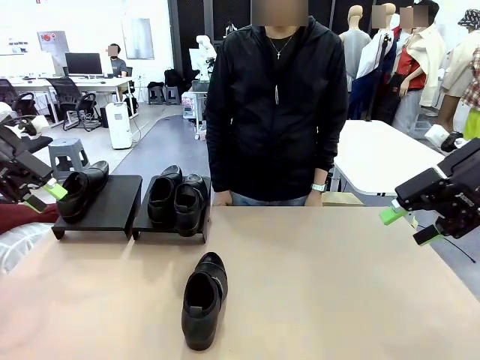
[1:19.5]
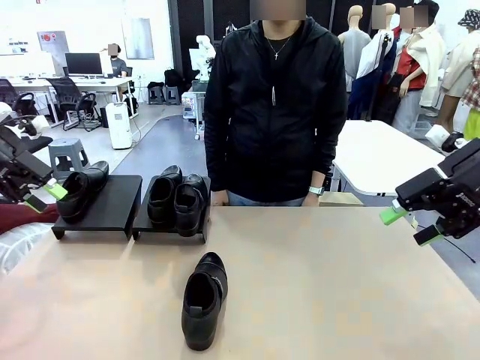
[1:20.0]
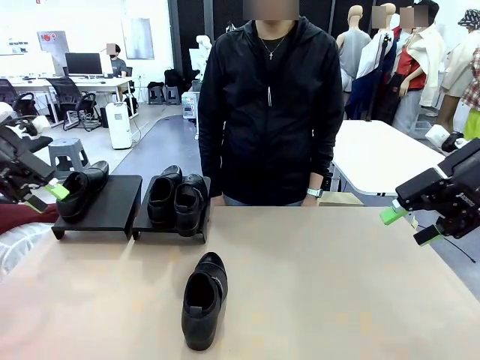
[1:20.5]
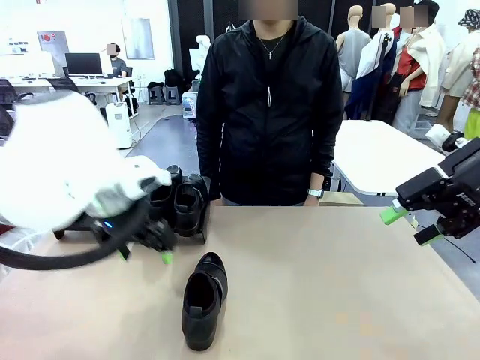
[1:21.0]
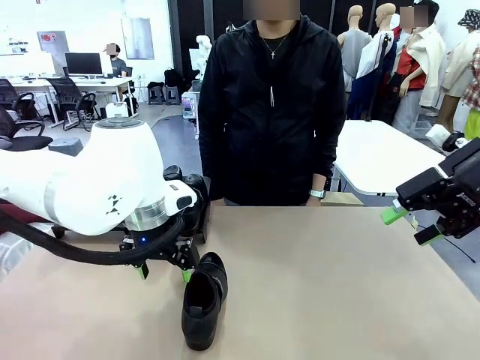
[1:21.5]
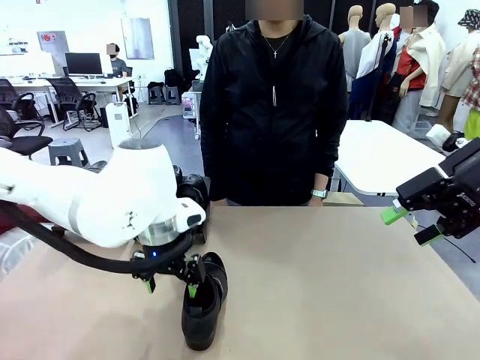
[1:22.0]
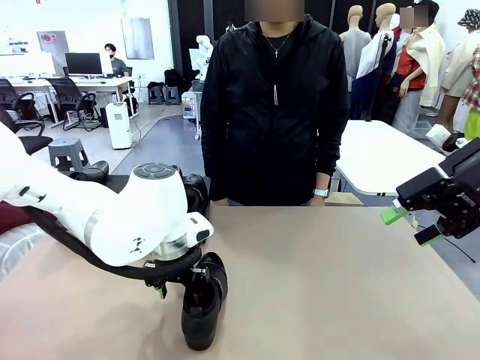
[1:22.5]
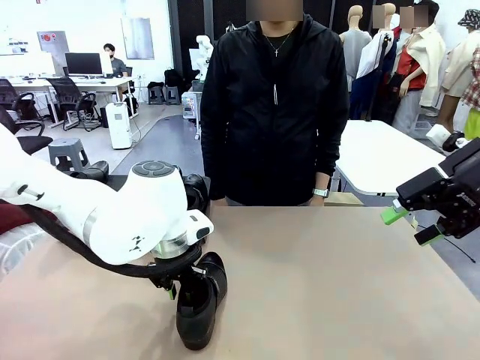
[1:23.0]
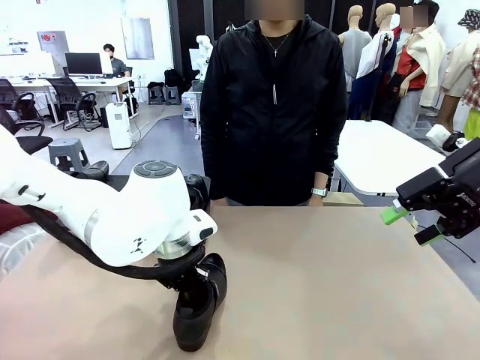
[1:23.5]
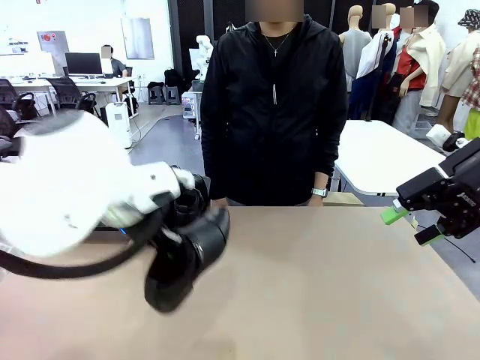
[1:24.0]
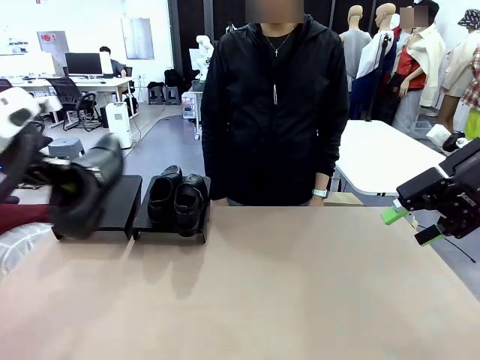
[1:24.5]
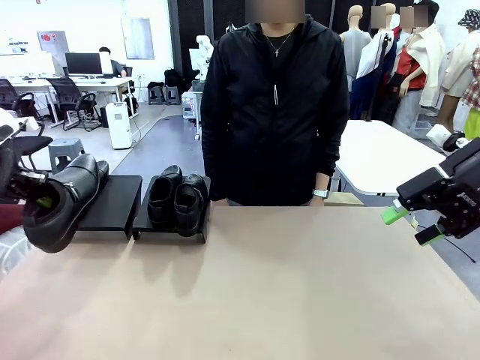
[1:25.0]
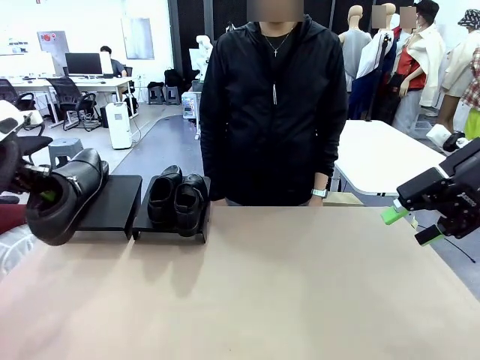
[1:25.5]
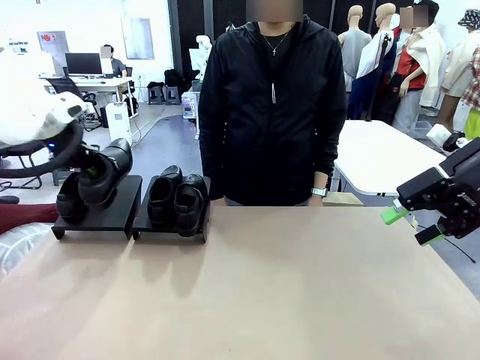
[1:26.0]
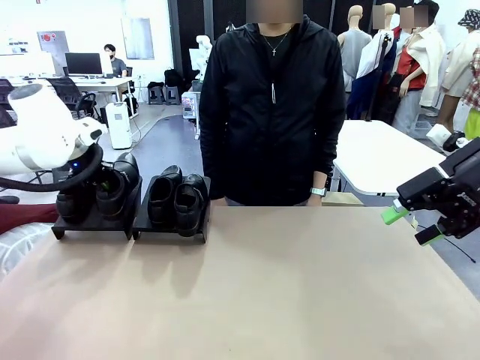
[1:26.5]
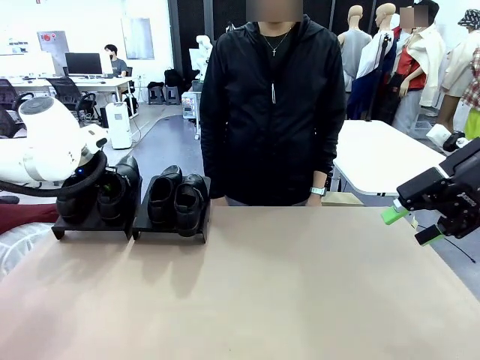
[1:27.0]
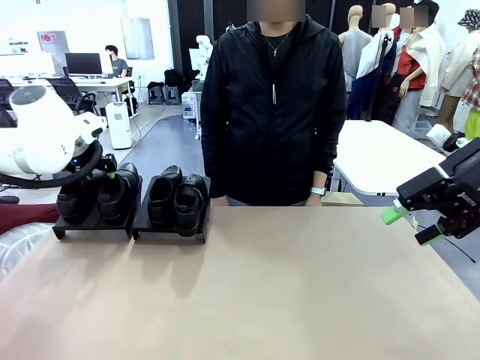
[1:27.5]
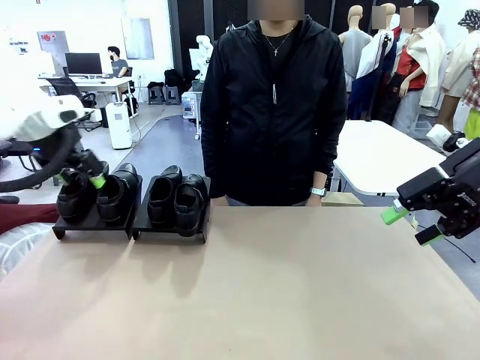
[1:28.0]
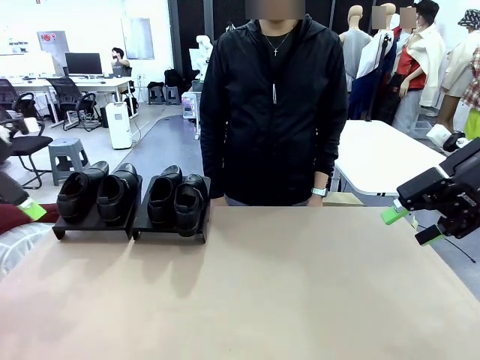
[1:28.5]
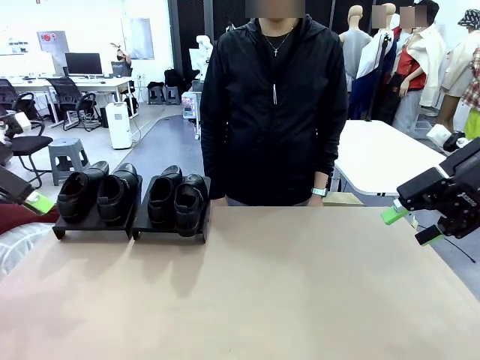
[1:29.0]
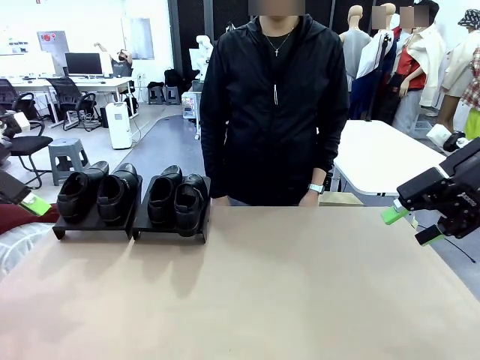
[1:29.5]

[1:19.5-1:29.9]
Task: Organize the shoes by placing them on the stand.
Robot: Place the Shoe from the middle of the table onto the Shoes Stand.

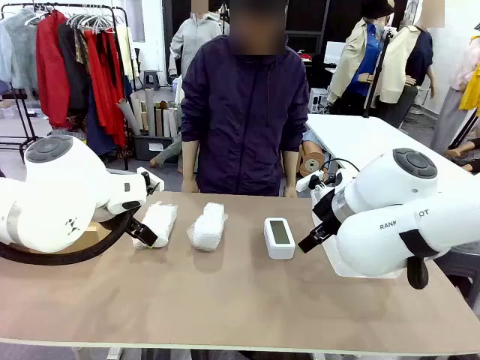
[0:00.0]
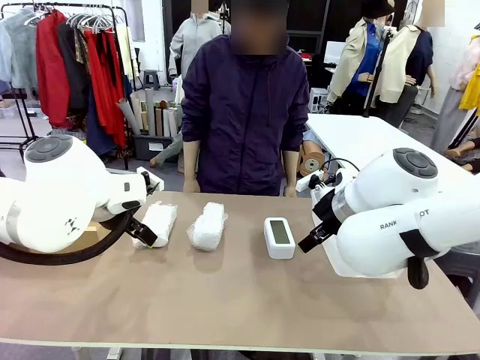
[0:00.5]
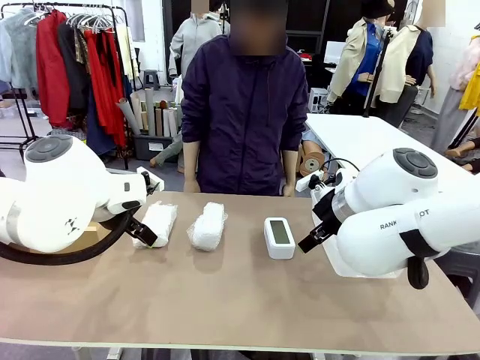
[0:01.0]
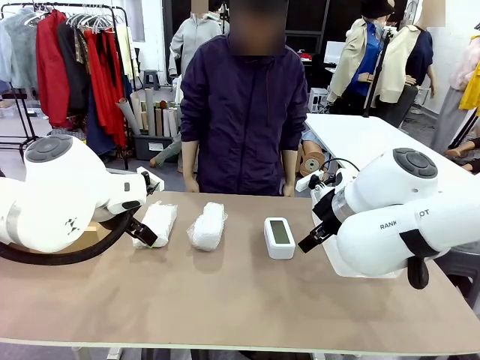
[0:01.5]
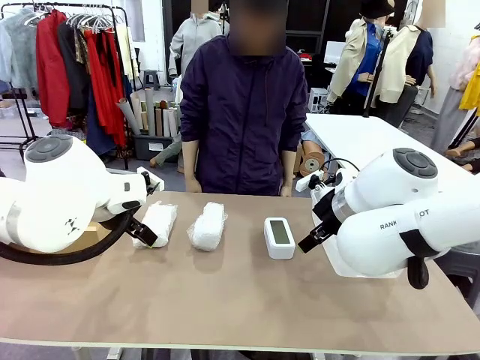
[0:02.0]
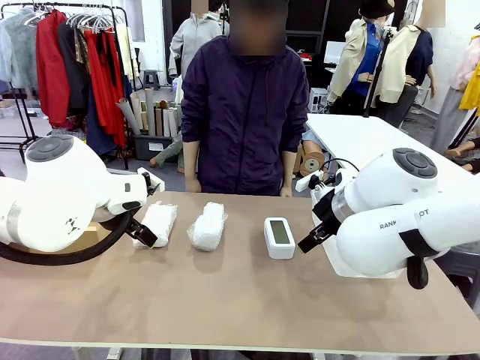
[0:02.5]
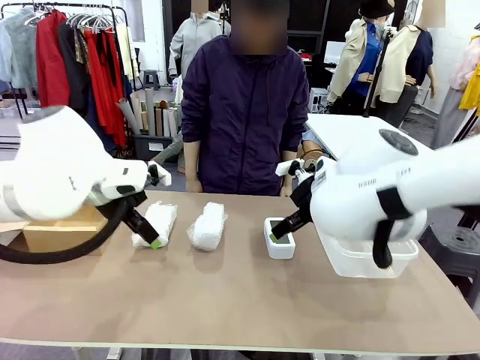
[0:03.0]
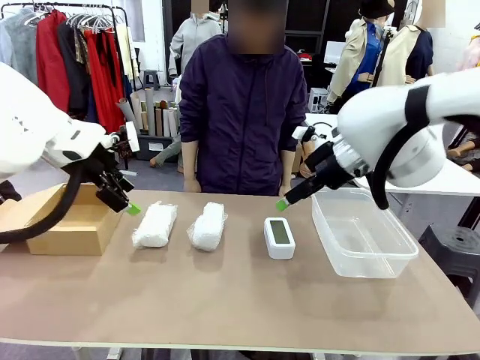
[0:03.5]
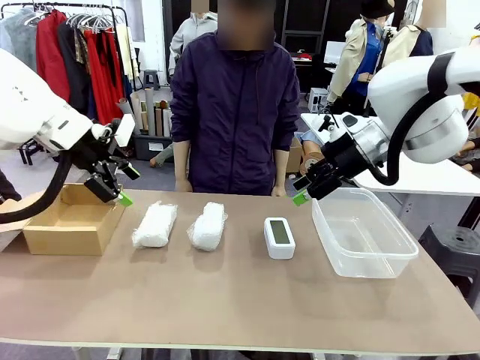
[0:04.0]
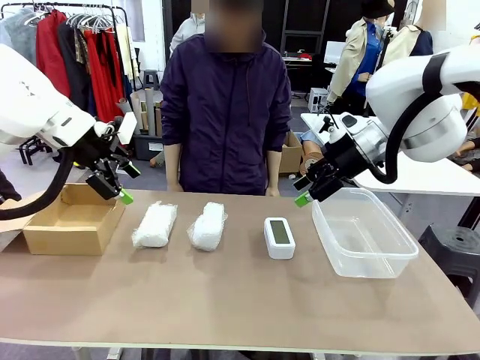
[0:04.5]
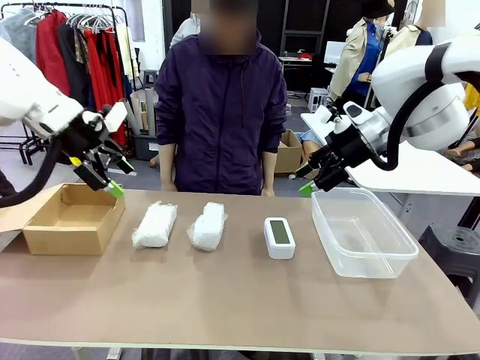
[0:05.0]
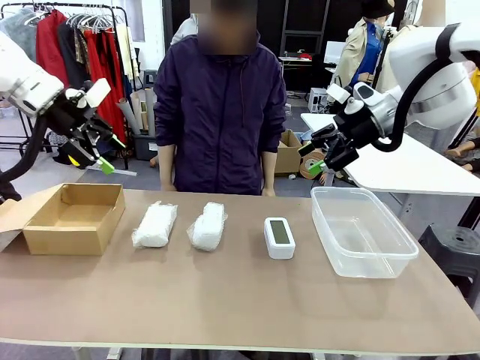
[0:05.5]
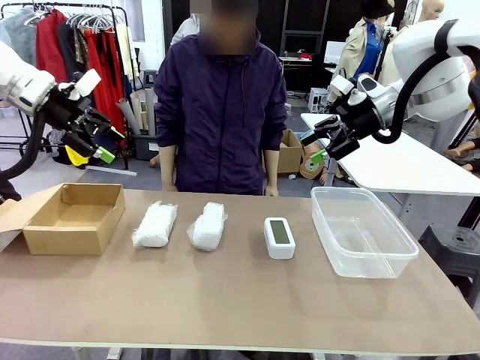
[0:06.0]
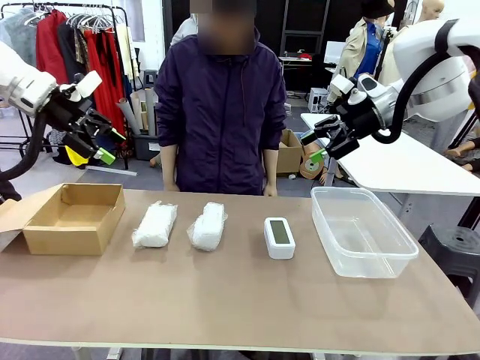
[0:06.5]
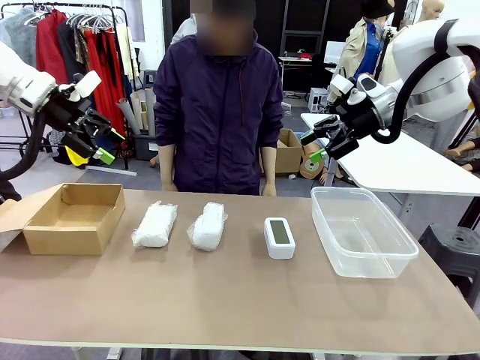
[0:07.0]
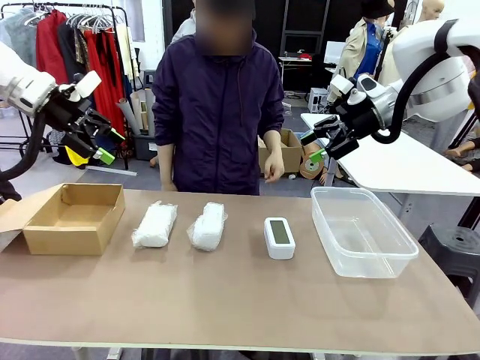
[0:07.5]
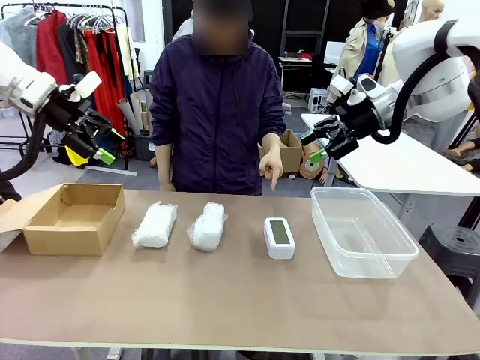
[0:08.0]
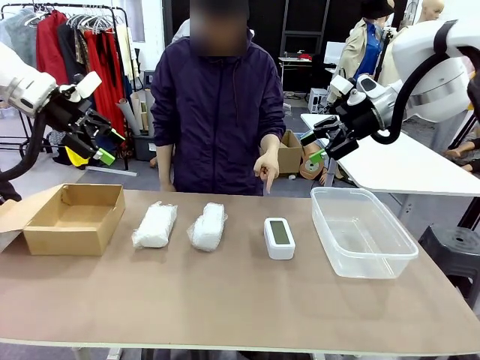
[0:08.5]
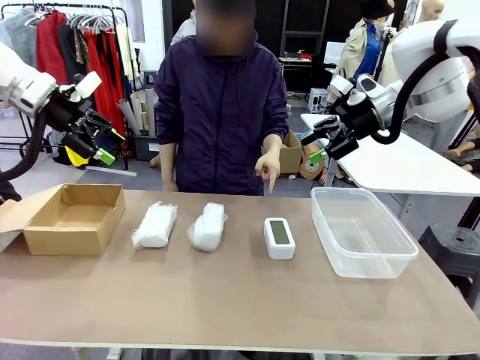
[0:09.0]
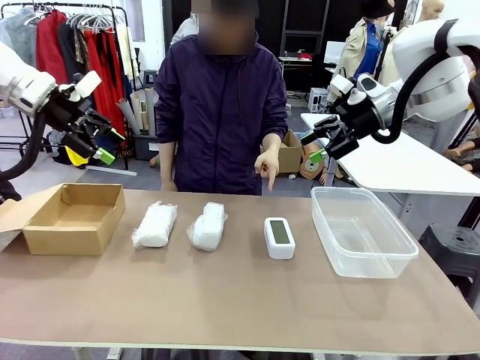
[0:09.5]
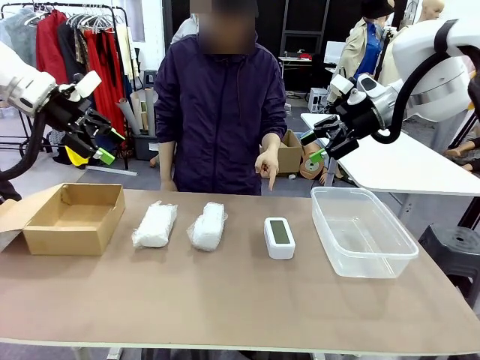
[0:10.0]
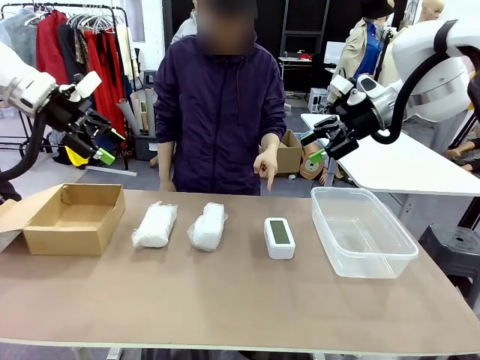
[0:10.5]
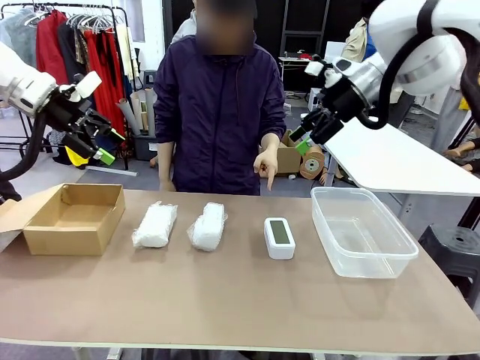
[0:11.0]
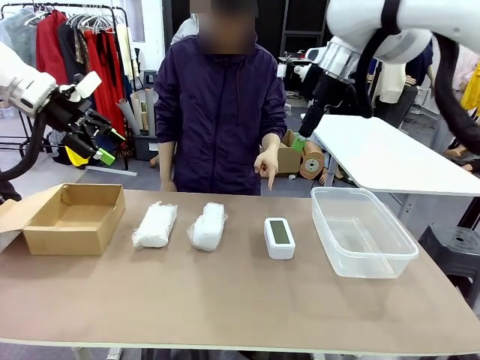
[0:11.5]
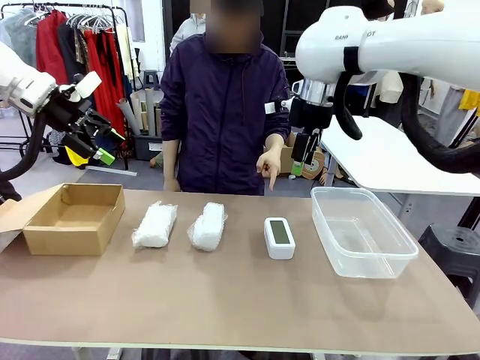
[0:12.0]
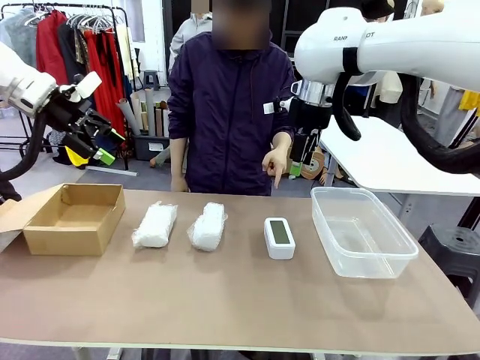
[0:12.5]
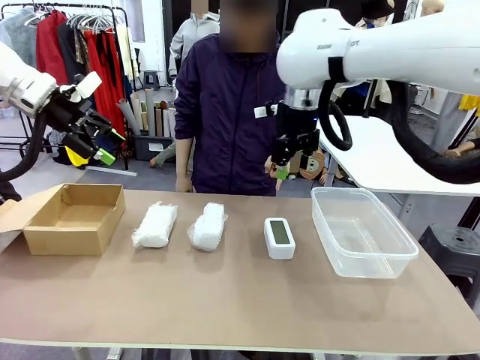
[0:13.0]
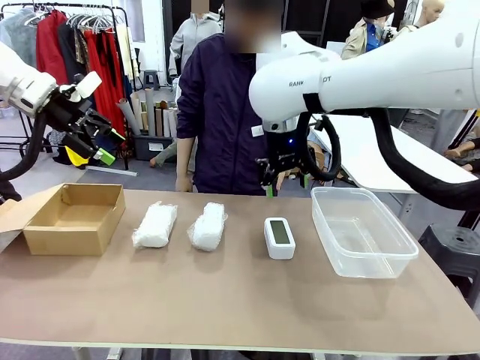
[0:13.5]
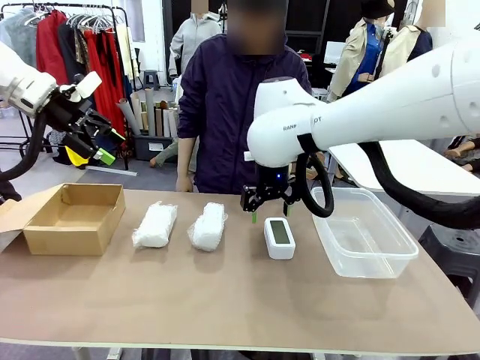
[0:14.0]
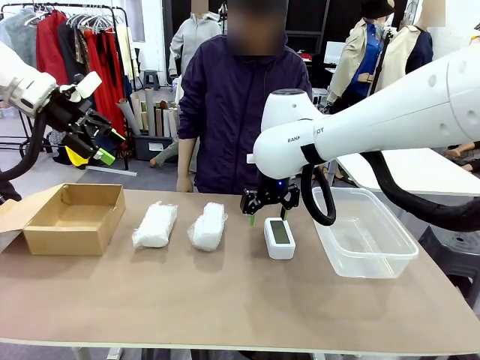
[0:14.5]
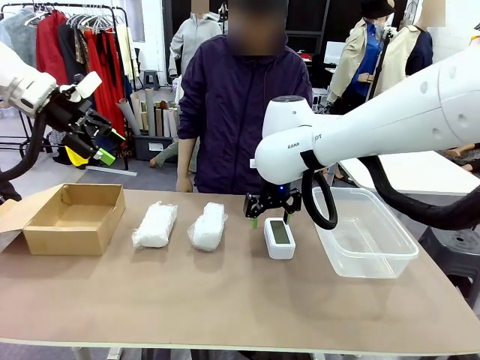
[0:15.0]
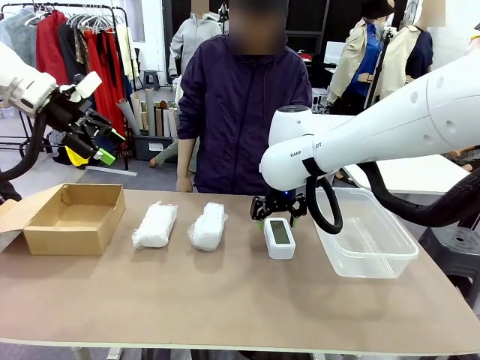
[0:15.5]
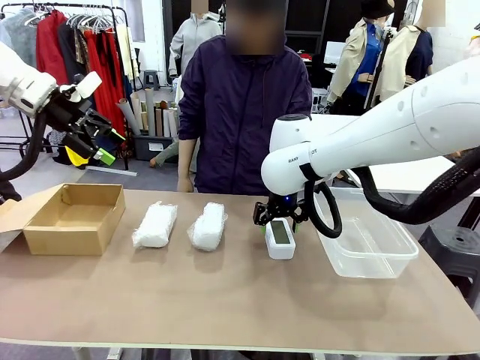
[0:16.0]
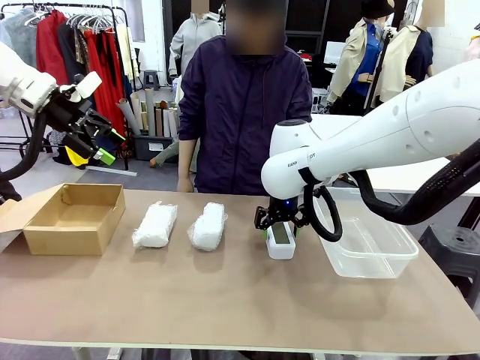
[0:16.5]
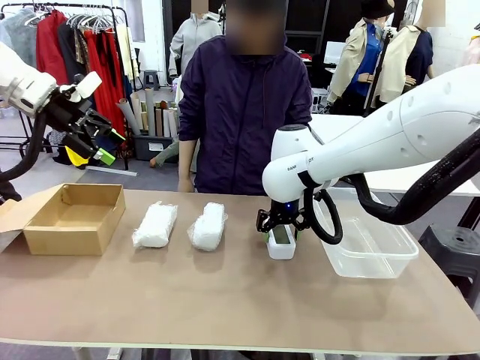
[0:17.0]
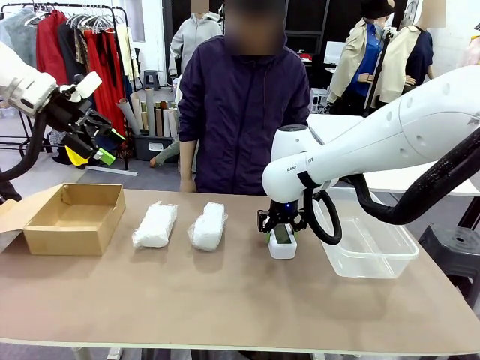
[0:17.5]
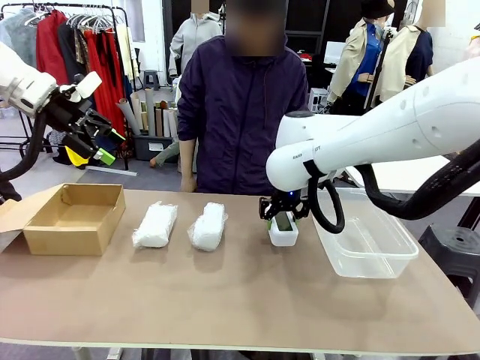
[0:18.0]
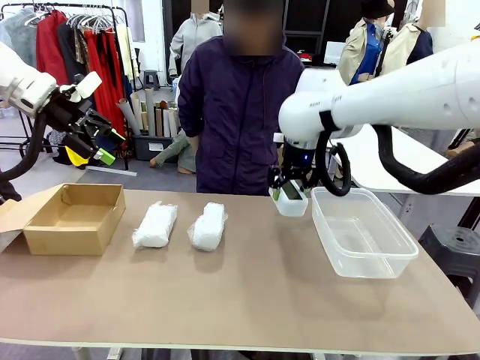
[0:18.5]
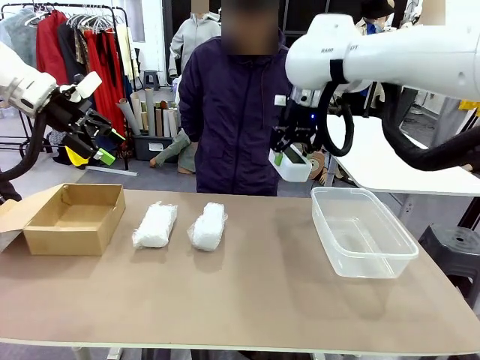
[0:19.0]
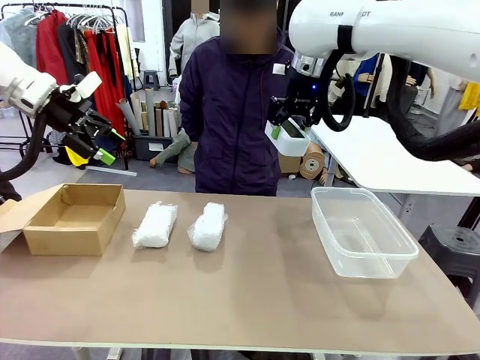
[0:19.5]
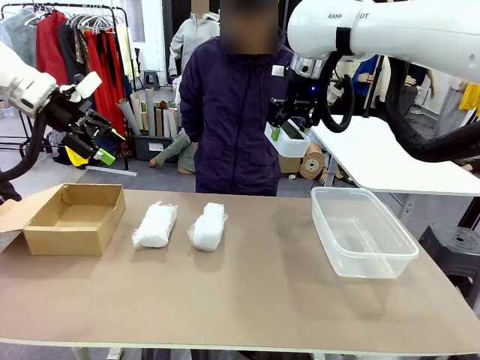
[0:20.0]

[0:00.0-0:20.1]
Task: Separate and place wrapped and unwrapped clocks.
Robot: Pick up the Digital clock indicated by the person.
